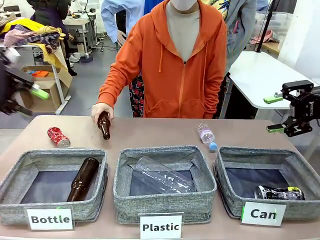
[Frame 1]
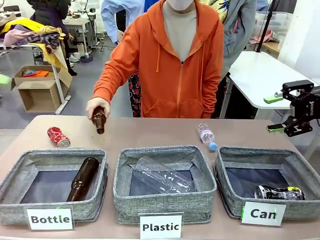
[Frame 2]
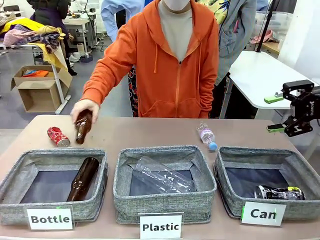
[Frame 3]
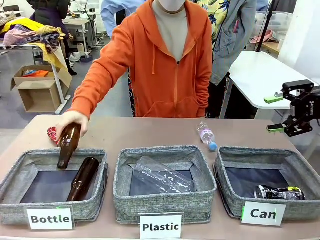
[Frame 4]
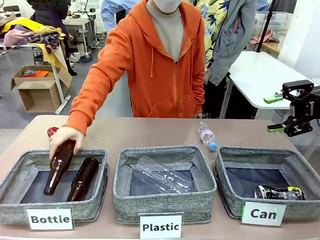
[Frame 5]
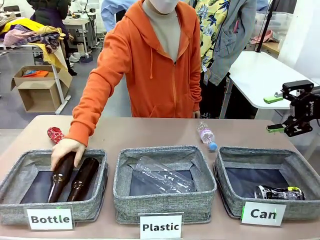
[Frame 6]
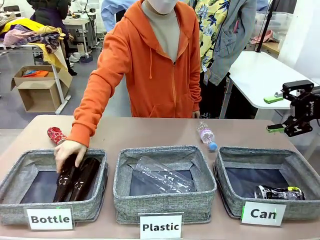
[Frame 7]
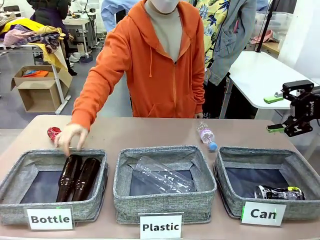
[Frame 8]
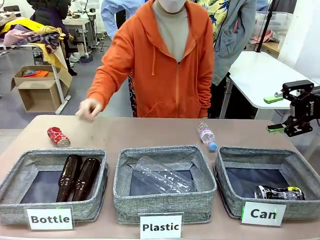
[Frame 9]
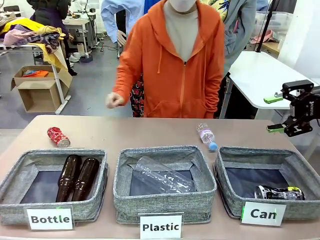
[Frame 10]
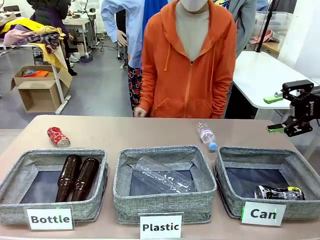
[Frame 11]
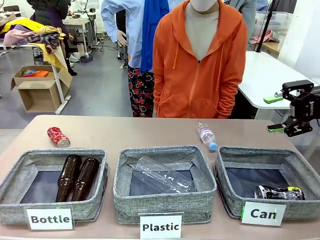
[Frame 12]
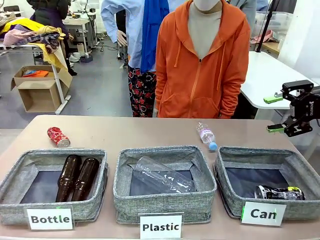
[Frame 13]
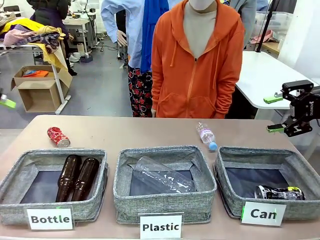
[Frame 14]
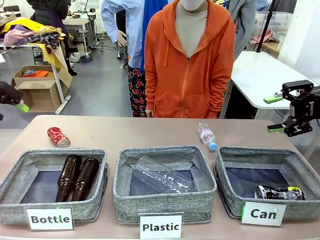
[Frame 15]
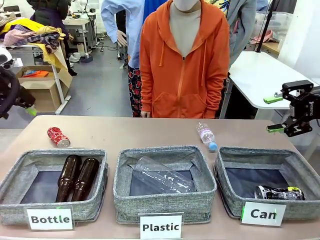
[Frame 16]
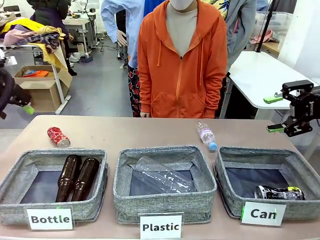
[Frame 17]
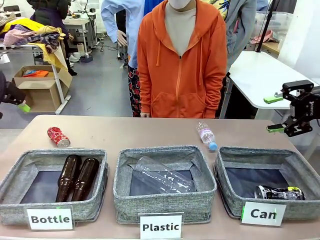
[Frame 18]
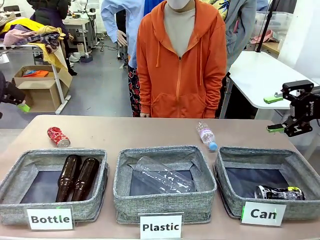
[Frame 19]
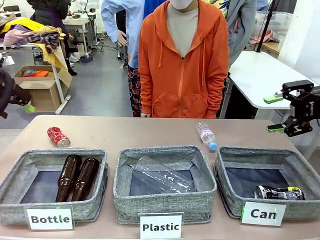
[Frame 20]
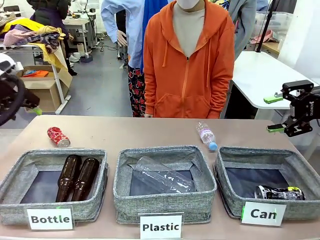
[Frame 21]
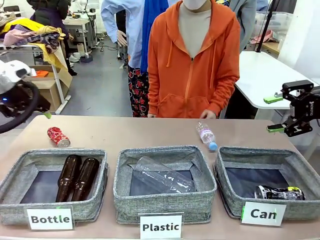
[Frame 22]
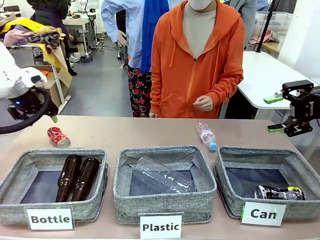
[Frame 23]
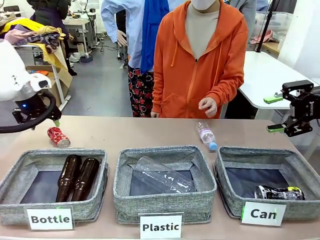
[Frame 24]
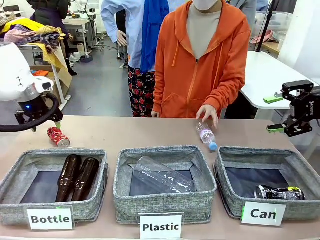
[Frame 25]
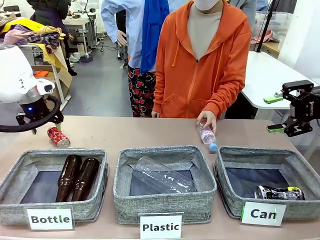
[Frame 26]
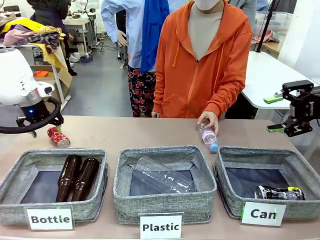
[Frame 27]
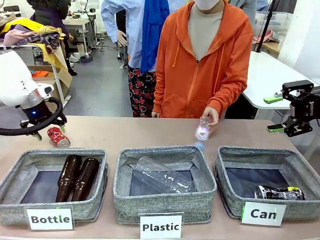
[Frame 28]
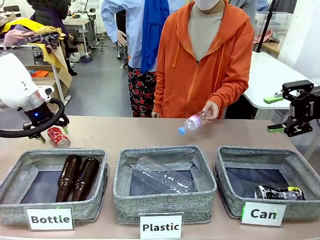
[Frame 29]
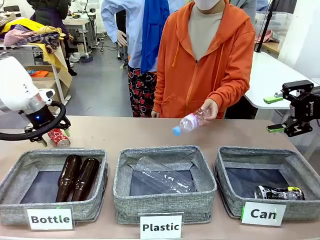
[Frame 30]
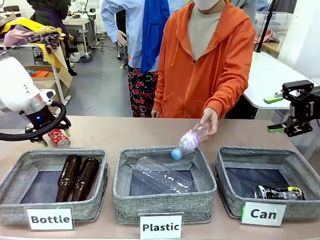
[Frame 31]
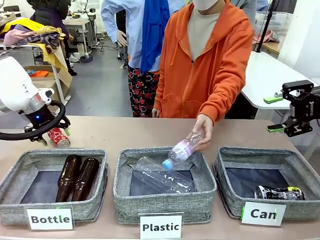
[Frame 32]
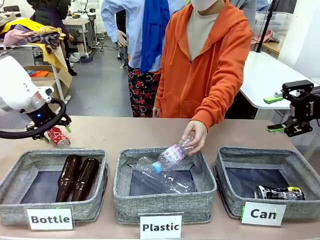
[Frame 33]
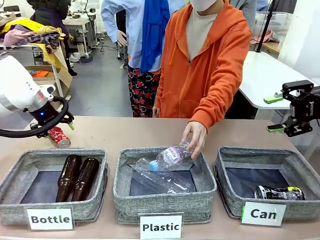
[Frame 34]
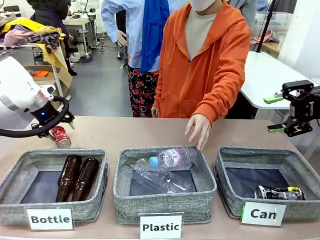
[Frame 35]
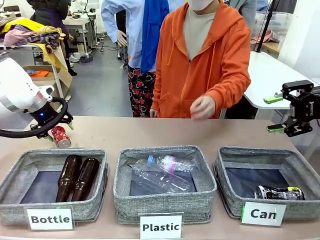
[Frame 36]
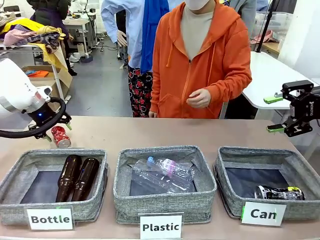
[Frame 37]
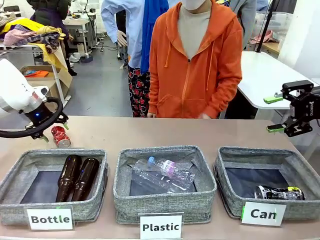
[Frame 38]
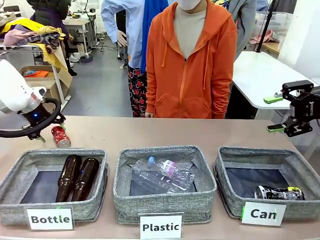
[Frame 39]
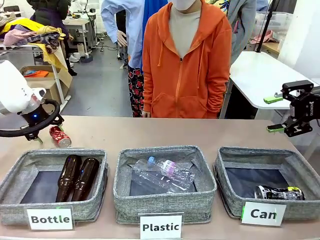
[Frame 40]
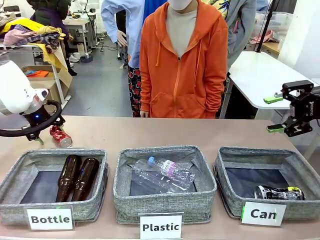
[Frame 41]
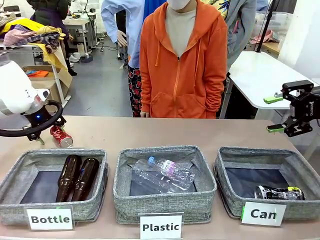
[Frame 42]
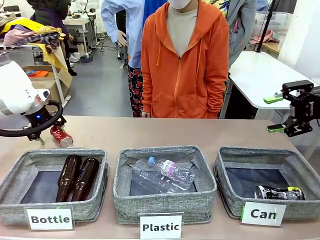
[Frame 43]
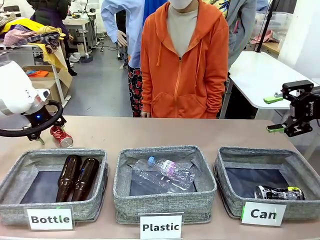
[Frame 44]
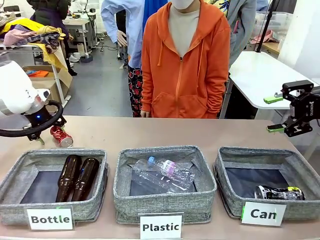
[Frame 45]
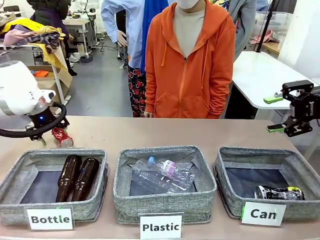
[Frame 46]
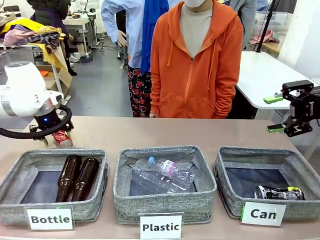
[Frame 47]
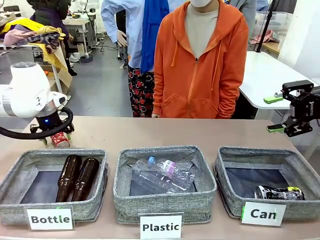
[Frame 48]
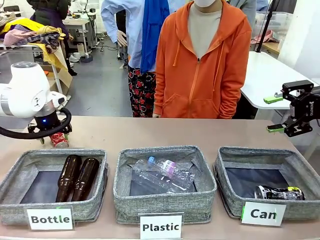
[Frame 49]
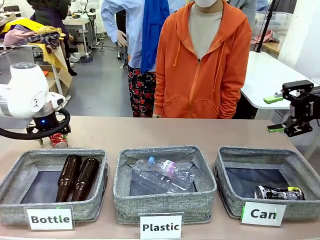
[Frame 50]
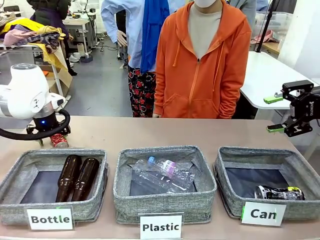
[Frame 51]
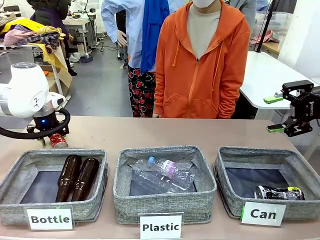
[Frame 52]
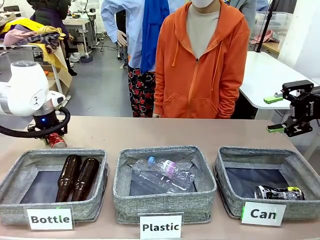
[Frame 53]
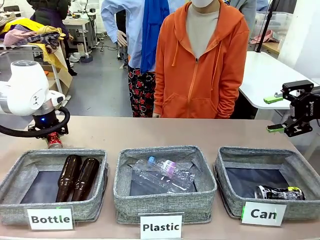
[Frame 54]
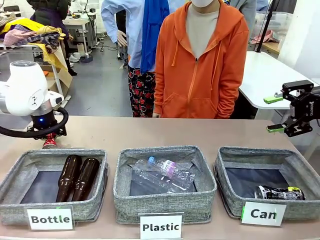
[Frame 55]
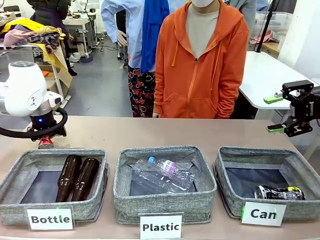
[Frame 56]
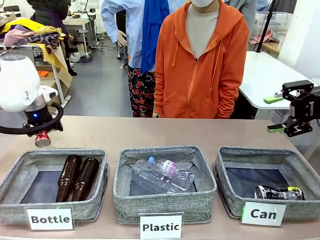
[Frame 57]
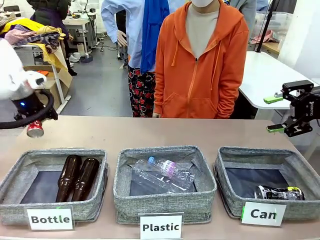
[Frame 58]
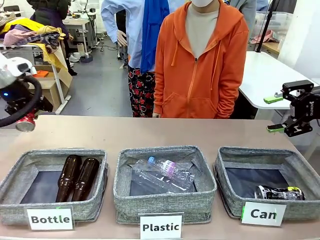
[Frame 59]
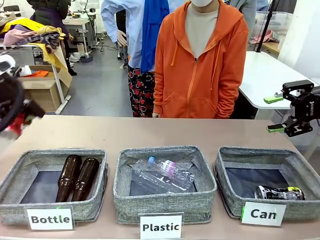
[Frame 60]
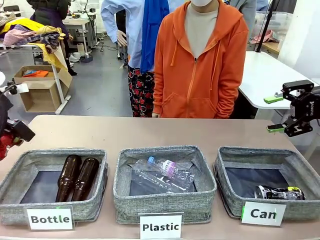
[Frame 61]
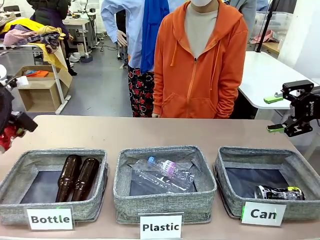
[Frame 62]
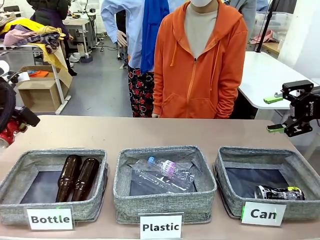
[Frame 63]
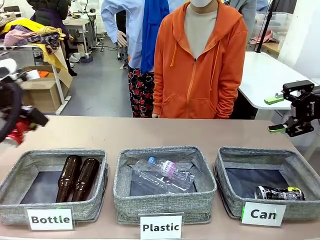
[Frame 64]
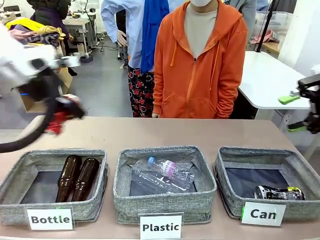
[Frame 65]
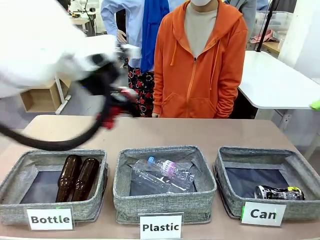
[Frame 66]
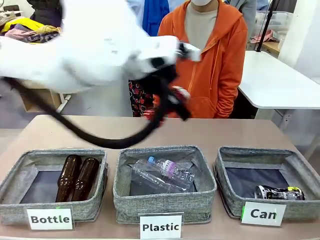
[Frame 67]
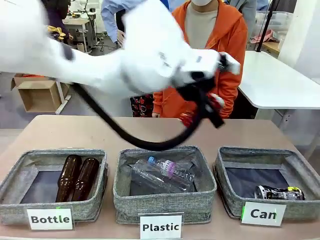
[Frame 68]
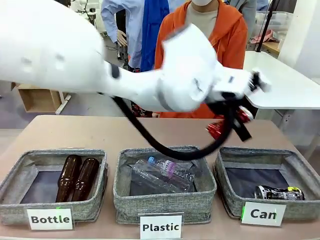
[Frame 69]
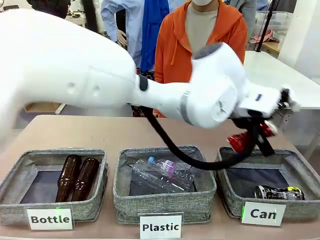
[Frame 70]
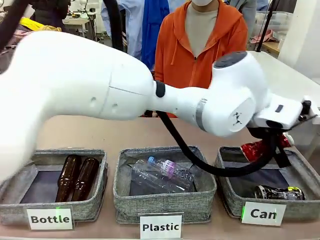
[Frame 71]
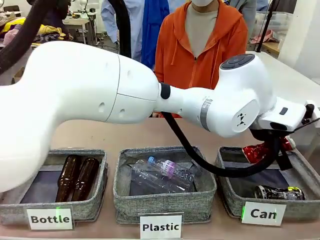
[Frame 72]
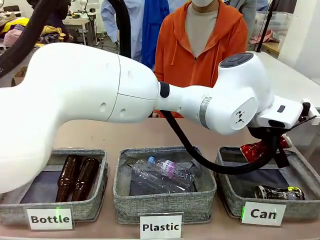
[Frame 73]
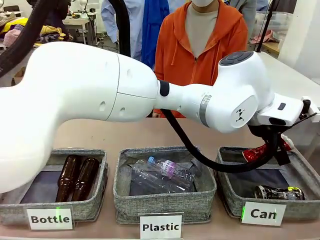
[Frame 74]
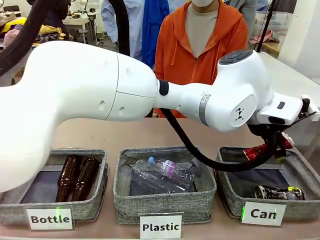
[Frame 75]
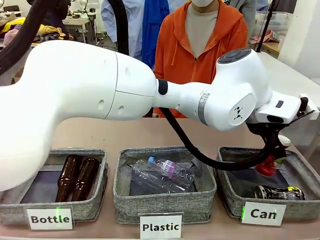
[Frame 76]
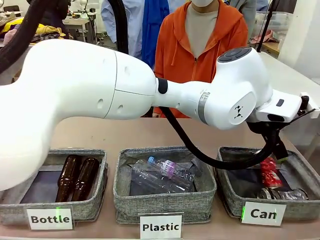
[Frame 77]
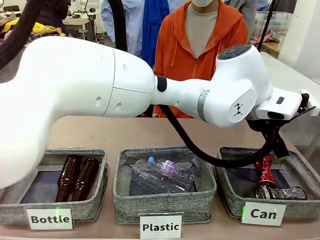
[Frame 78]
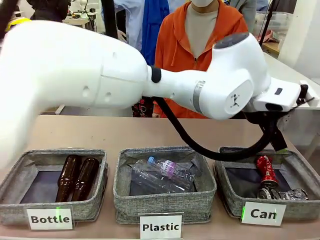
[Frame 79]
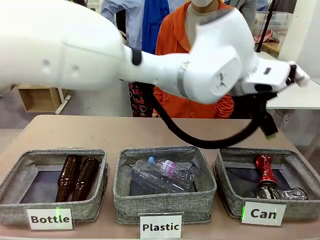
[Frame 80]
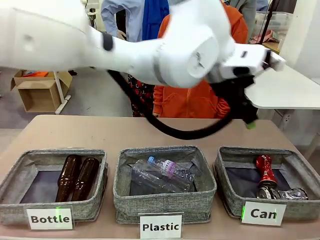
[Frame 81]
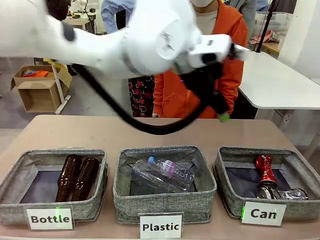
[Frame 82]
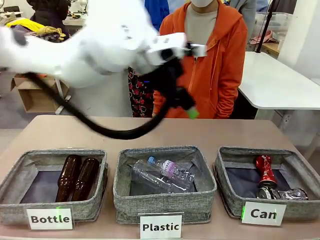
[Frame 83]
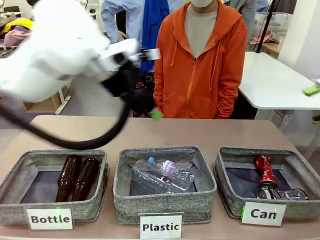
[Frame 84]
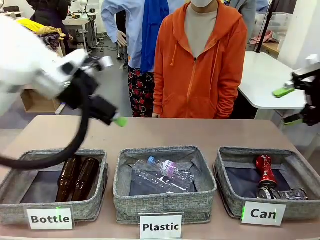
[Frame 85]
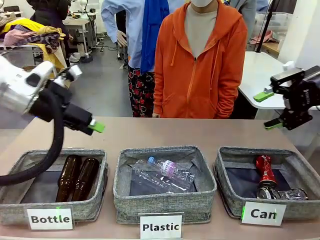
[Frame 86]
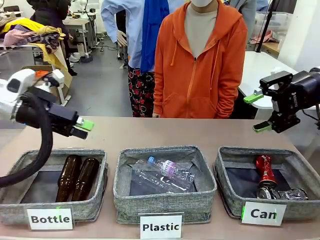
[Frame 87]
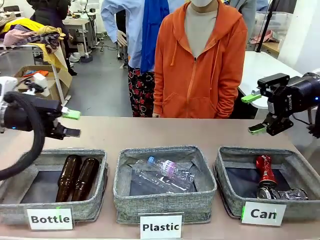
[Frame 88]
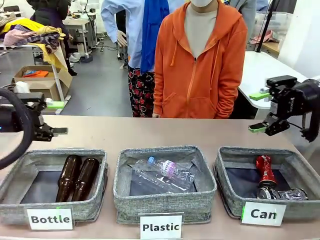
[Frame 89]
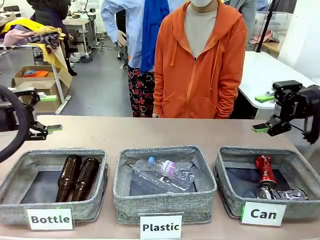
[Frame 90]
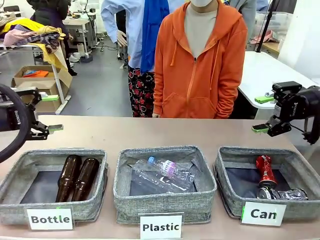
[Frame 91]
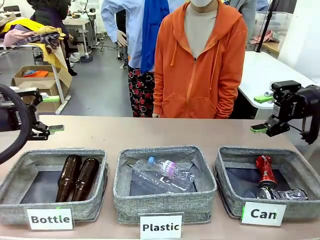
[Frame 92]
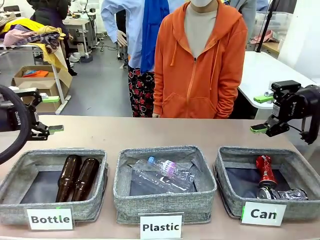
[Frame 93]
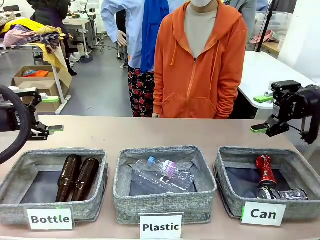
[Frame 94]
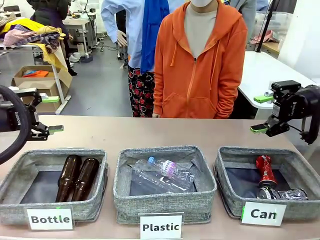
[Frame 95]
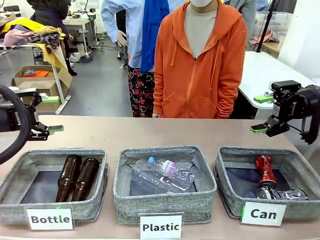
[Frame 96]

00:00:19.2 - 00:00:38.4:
Task: Sort the can waste into the basket.
Robot: Pick up the can waste from the table and place it in the right Fabric basket.
